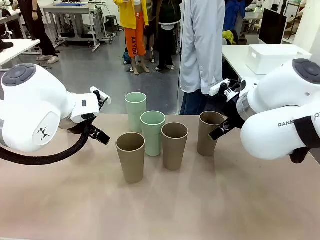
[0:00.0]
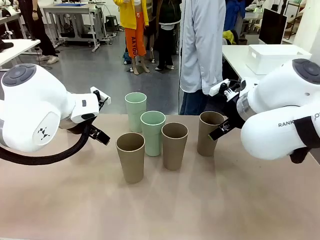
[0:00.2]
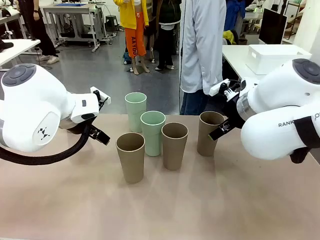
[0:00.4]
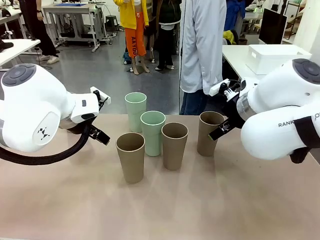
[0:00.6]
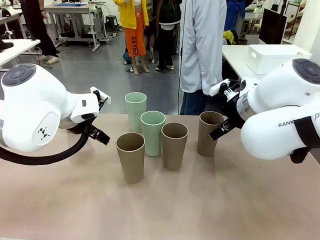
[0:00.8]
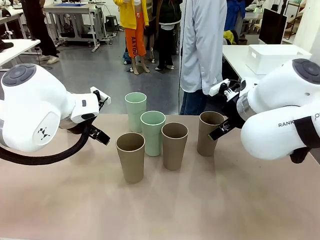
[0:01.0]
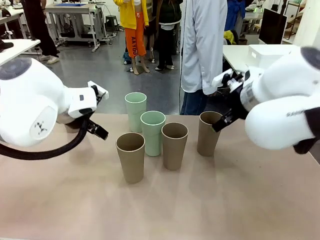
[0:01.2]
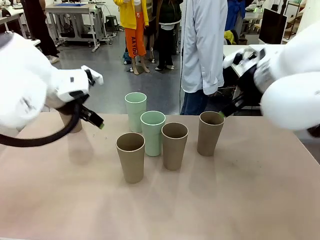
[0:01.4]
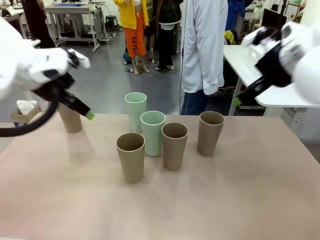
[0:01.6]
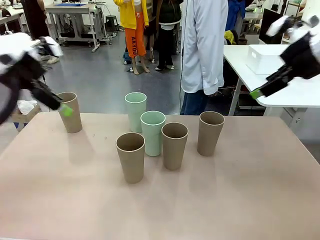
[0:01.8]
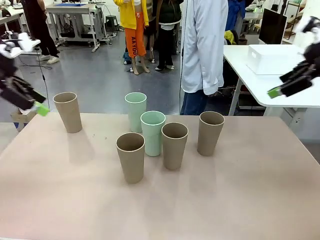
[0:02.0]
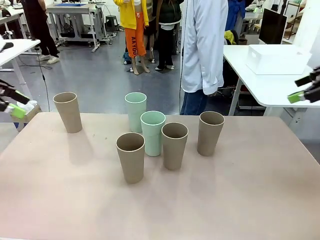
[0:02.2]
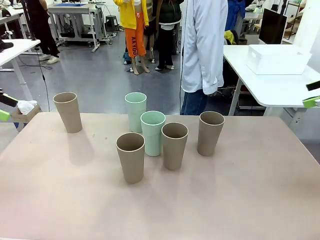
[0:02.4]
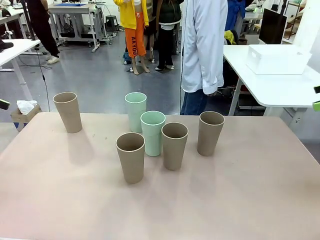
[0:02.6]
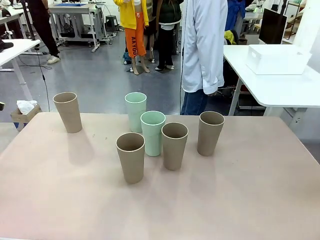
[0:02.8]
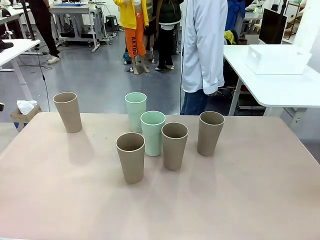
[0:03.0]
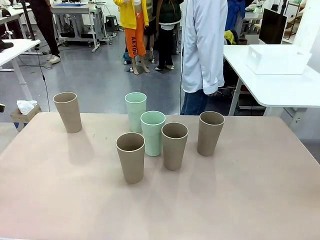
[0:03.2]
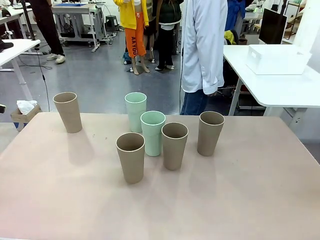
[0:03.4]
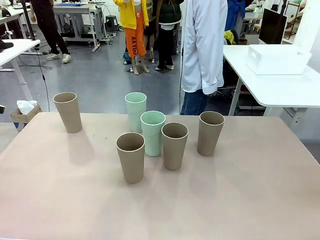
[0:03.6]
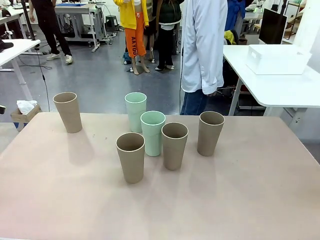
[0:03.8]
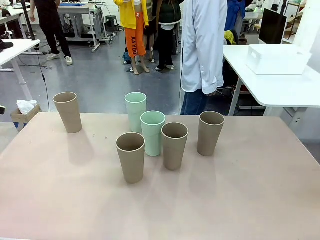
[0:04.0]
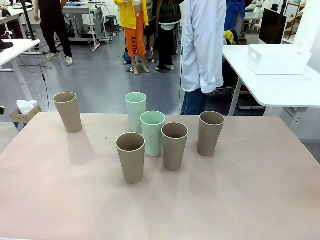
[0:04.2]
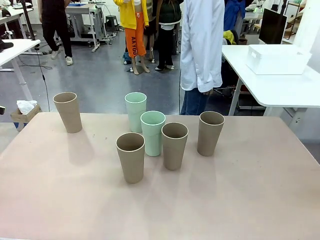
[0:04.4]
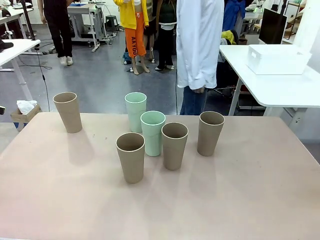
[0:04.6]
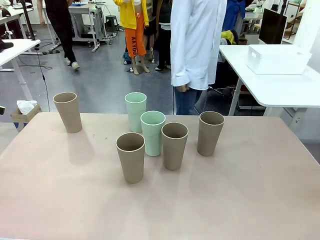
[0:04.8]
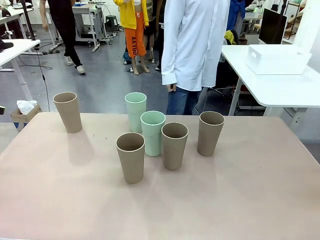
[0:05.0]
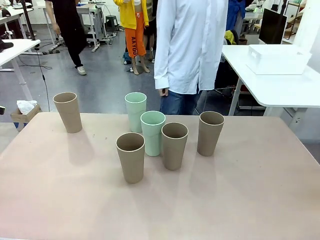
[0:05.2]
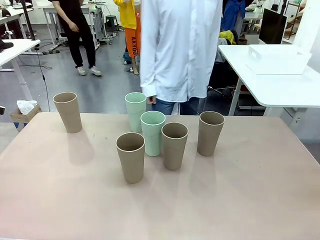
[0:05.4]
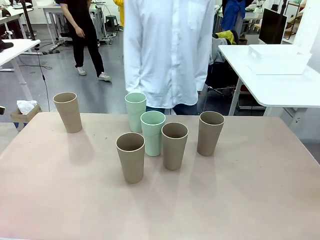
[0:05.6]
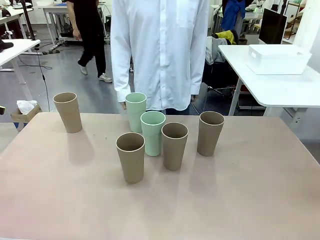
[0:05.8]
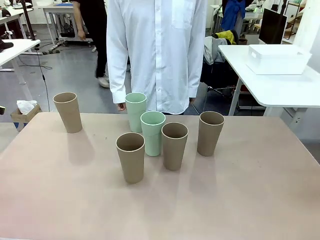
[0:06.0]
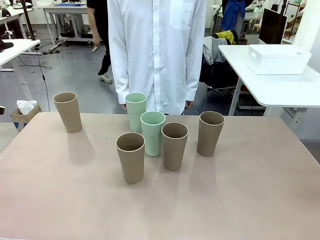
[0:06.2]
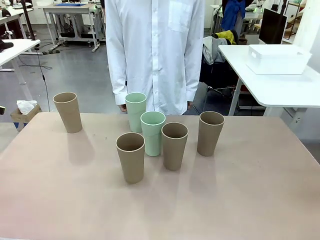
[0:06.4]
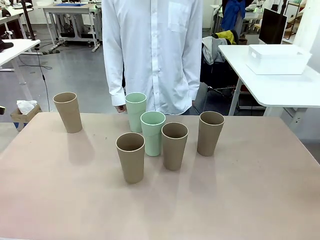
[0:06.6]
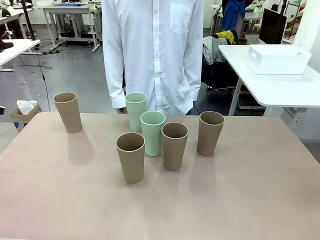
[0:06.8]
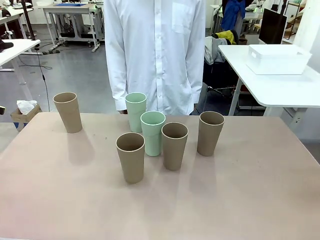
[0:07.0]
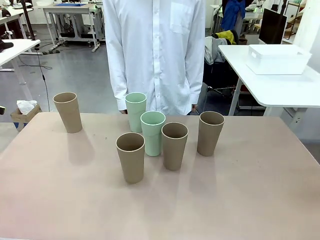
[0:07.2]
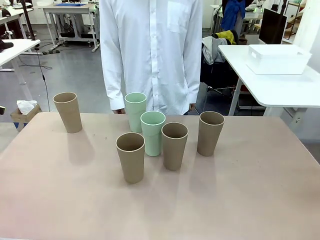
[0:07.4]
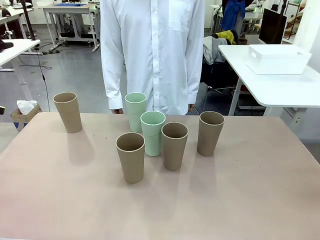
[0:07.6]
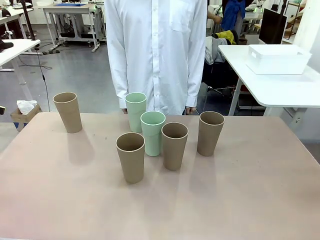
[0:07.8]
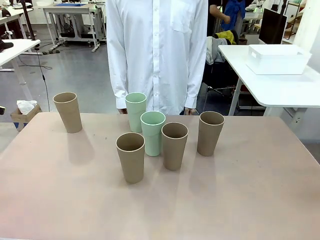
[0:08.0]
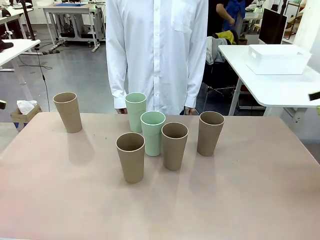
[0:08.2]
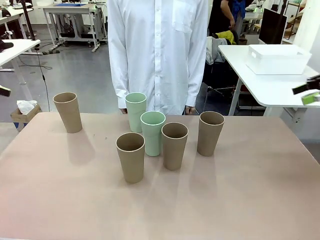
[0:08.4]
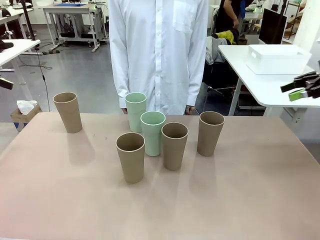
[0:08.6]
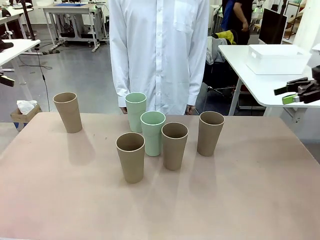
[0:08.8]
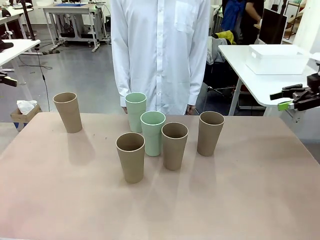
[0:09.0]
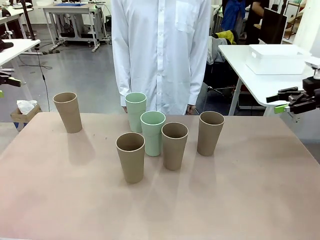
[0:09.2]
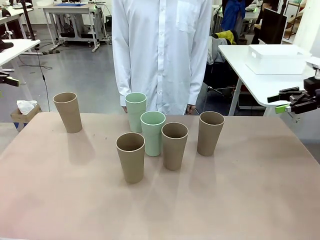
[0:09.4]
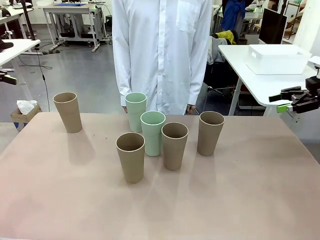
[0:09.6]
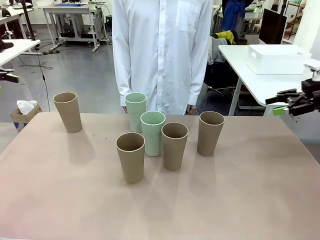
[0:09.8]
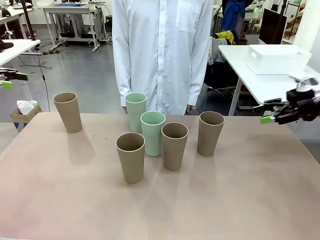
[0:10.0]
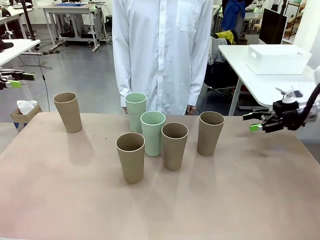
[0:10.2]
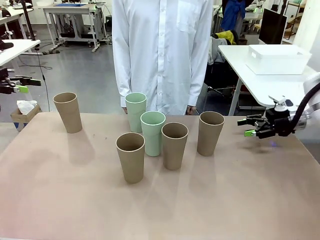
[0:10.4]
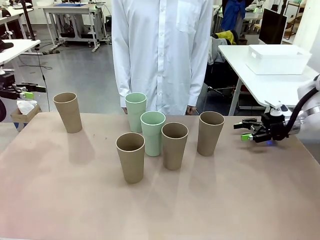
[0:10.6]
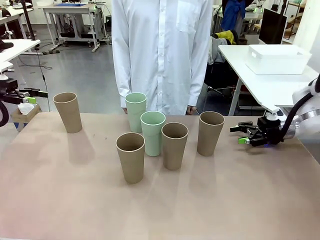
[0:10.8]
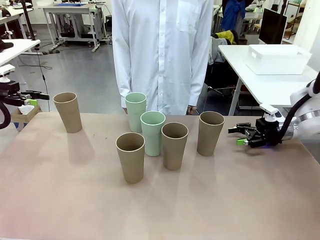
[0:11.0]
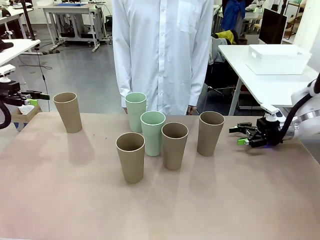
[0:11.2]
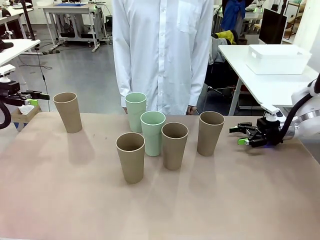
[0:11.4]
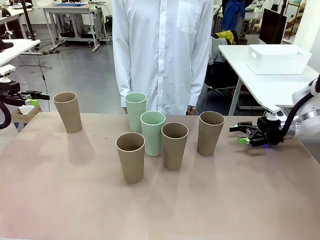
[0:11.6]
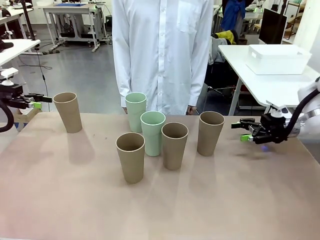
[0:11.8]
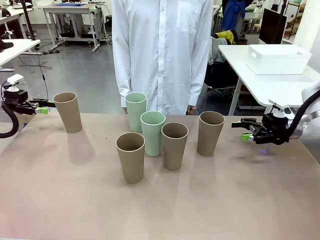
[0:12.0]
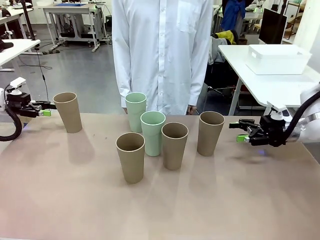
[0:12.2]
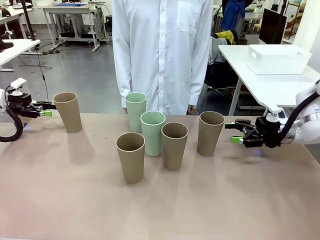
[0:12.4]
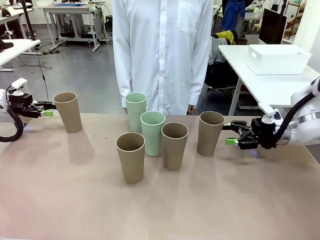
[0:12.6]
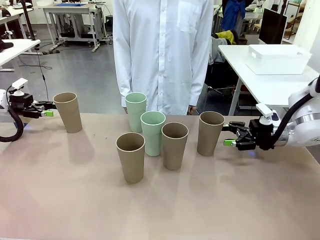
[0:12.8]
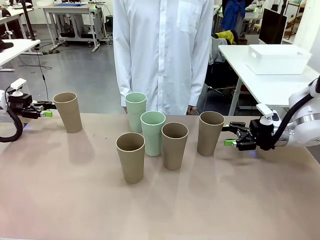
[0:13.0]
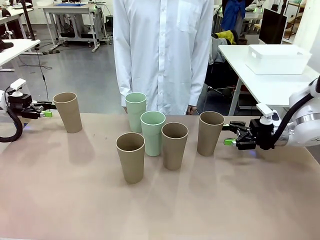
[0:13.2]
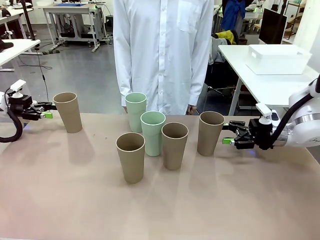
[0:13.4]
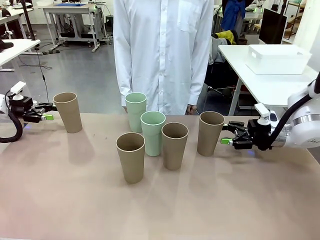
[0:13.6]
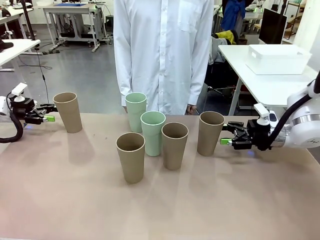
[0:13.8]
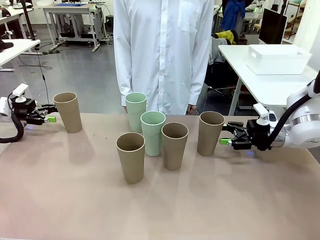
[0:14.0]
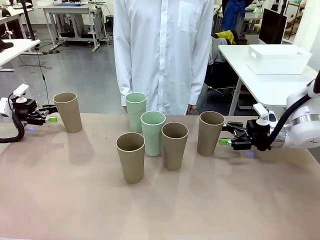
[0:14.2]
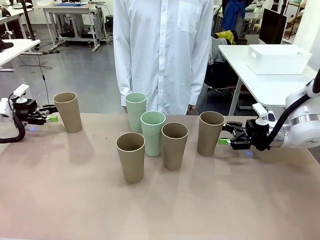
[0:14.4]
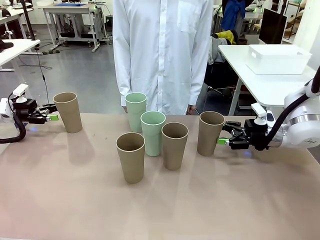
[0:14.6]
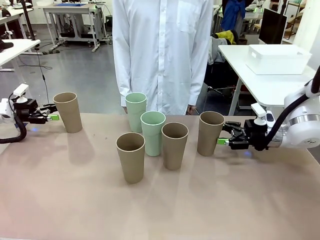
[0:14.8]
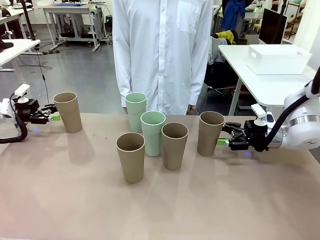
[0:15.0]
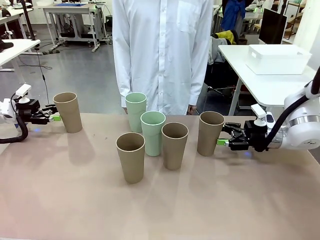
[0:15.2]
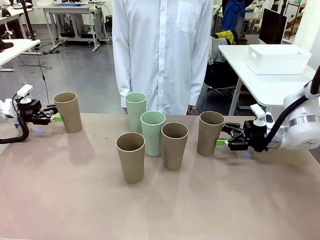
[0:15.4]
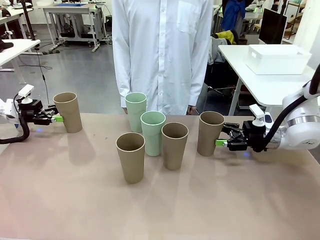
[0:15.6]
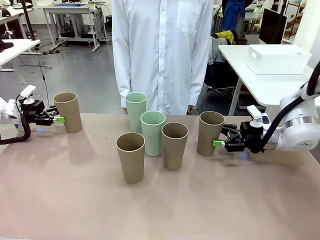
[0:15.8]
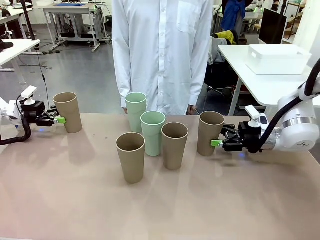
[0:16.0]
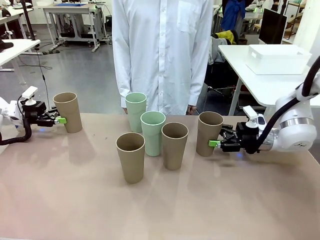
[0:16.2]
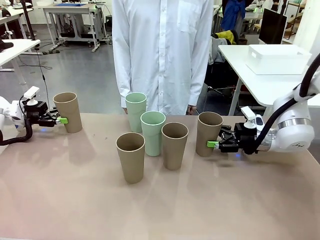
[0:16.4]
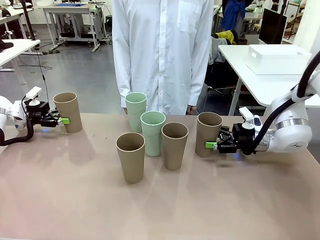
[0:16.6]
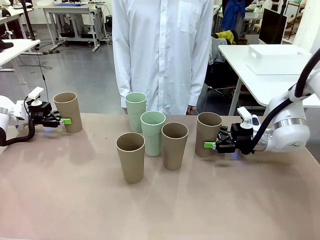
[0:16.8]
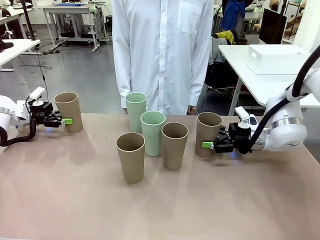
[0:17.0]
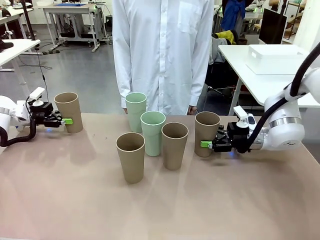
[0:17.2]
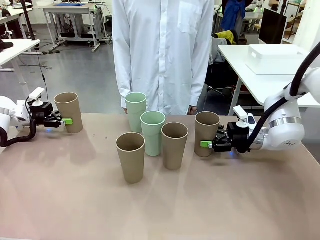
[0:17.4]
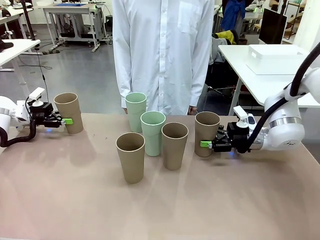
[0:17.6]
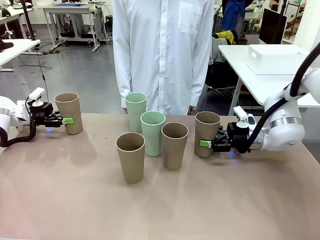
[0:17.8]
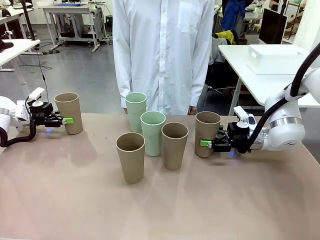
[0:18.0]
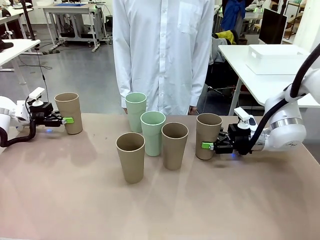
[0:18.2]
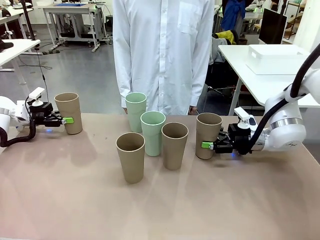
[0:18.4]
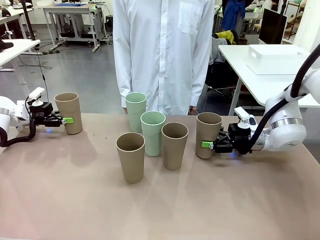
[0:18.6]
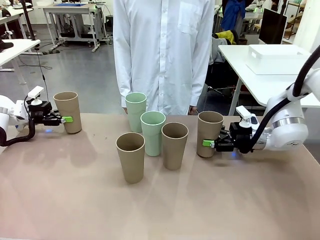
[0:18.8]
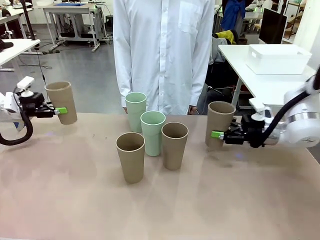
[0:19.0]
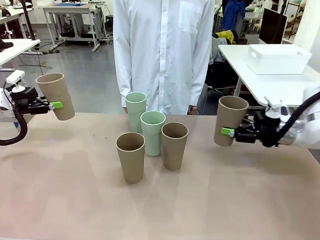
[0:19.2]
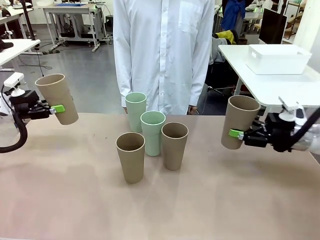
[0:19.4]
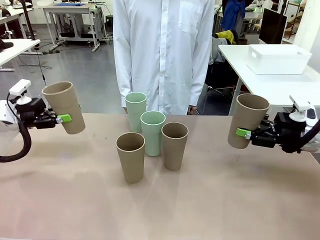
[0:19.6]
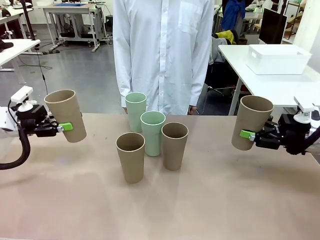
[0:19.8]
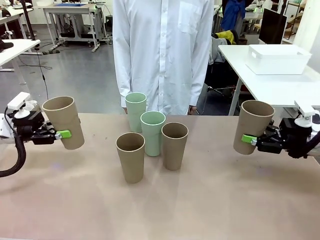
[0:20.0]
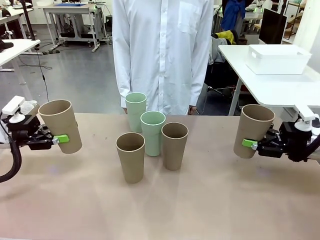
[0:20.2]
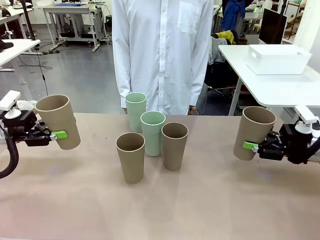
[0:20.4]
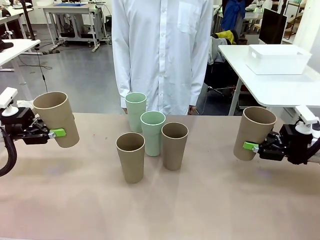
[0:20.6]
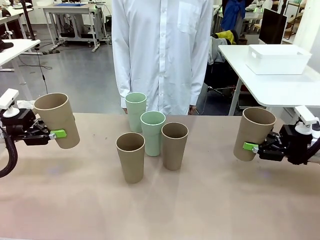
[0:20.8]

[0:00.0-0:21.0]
Task: Stack the cups and store them in the basket.
Robot: Pick up two Reusable plastic cups , one in each hand.
Person: Move from the Human Table to the front of the Robot Table. Stack two of the remaining cups on top of each cup held by the robot.
